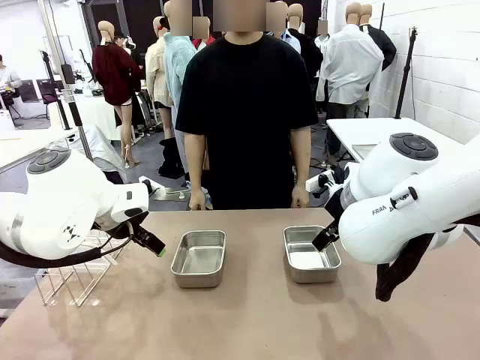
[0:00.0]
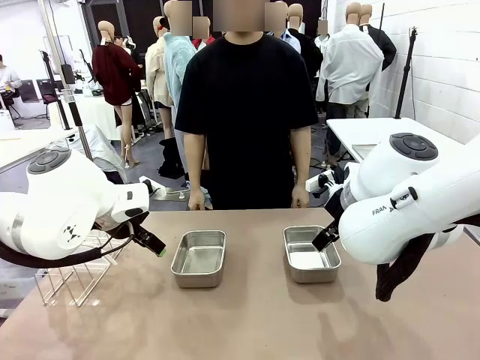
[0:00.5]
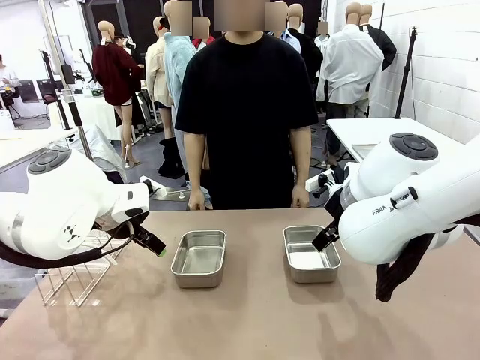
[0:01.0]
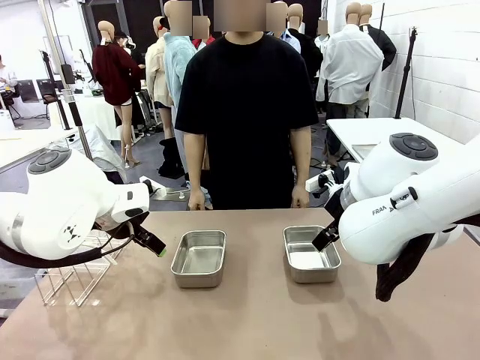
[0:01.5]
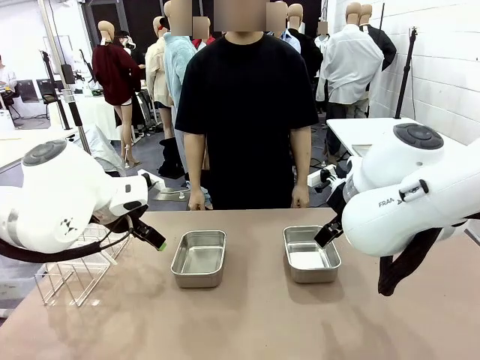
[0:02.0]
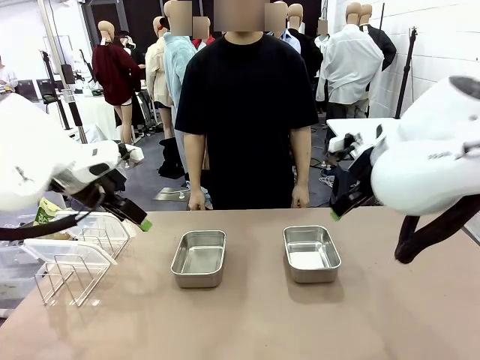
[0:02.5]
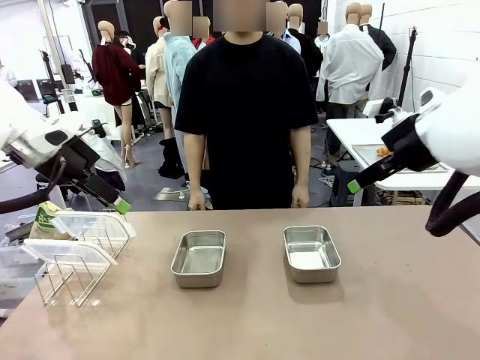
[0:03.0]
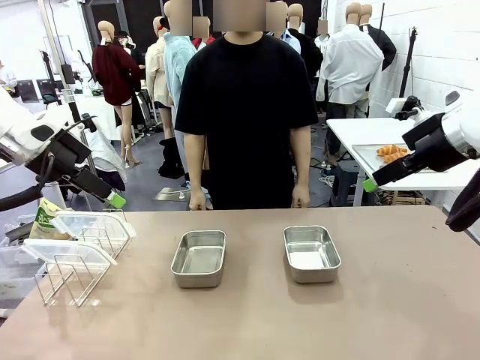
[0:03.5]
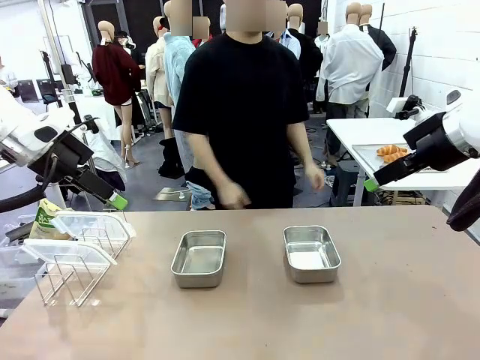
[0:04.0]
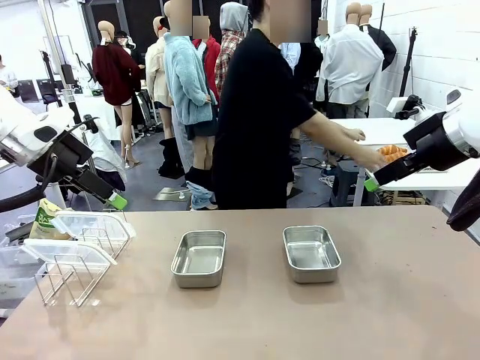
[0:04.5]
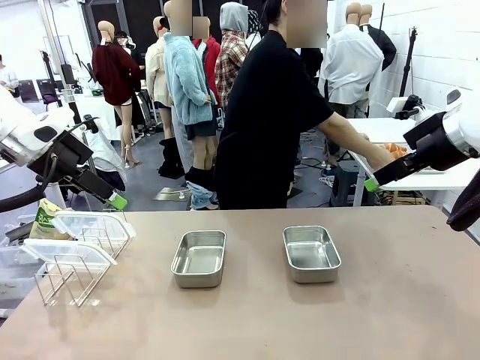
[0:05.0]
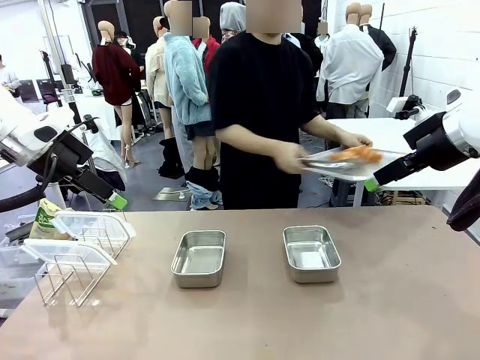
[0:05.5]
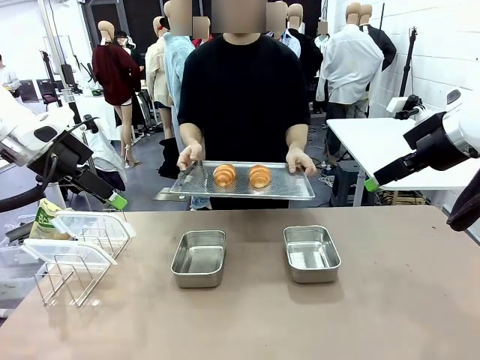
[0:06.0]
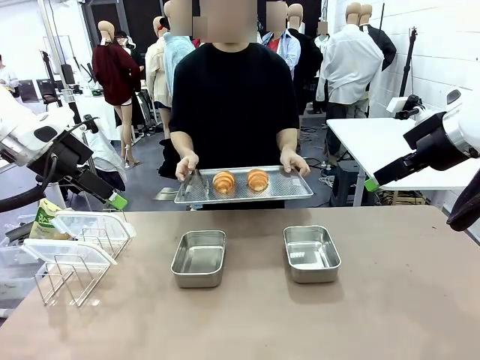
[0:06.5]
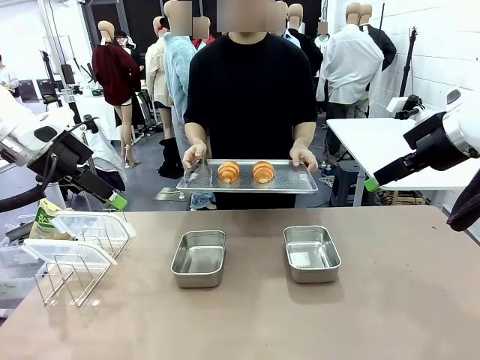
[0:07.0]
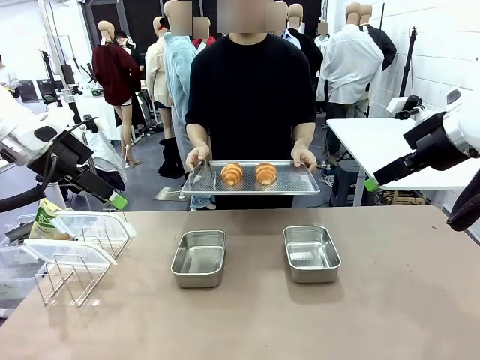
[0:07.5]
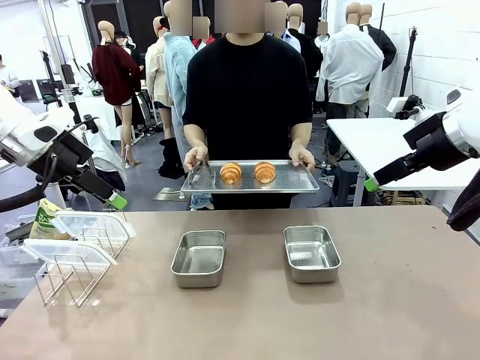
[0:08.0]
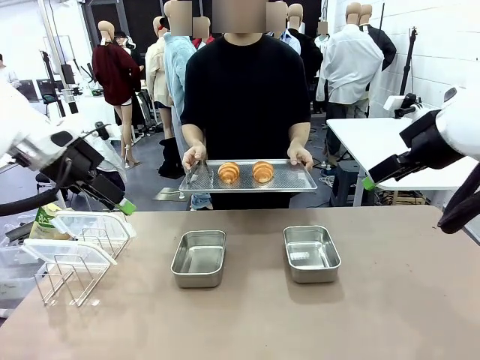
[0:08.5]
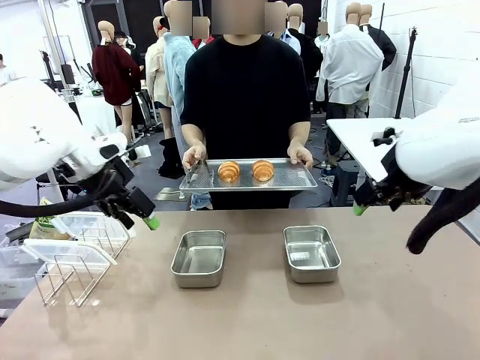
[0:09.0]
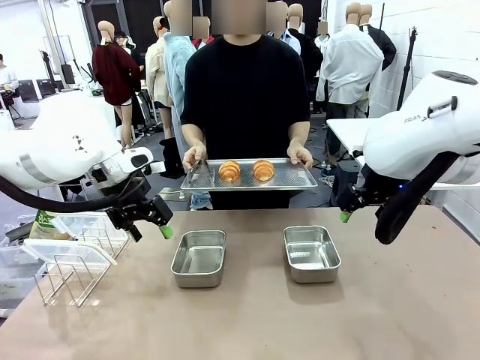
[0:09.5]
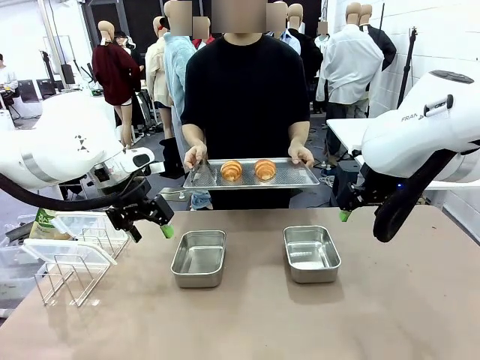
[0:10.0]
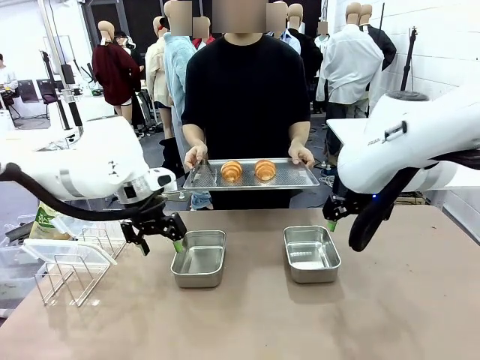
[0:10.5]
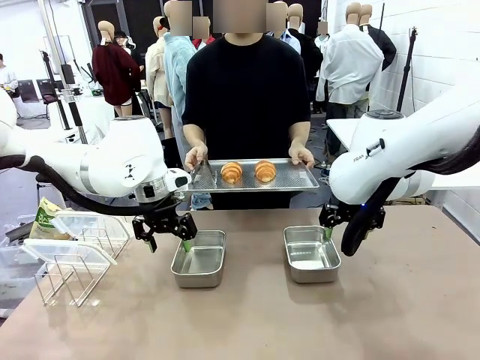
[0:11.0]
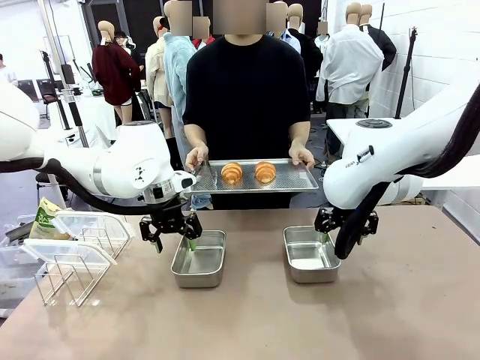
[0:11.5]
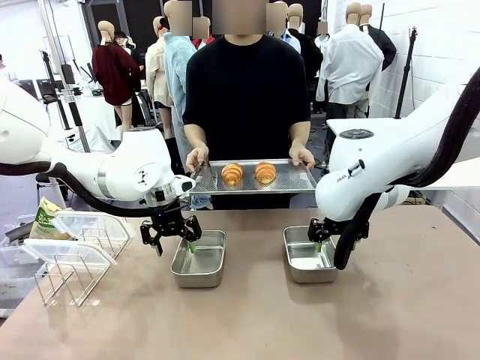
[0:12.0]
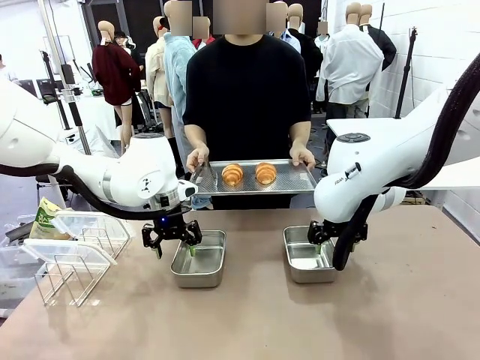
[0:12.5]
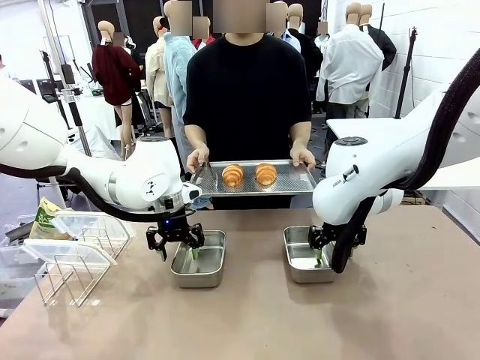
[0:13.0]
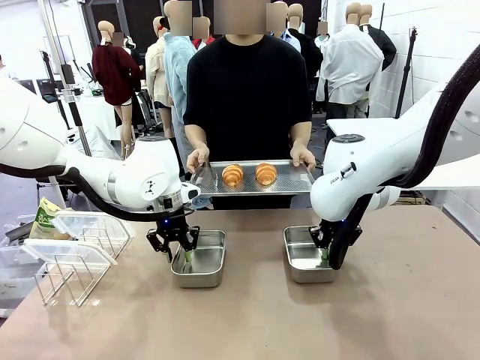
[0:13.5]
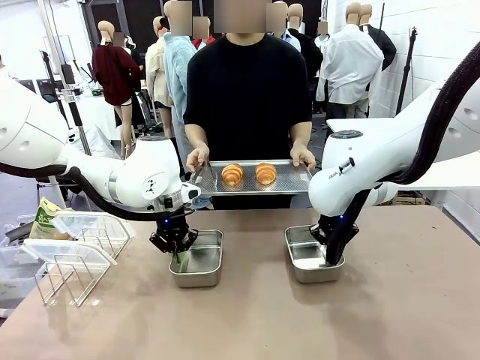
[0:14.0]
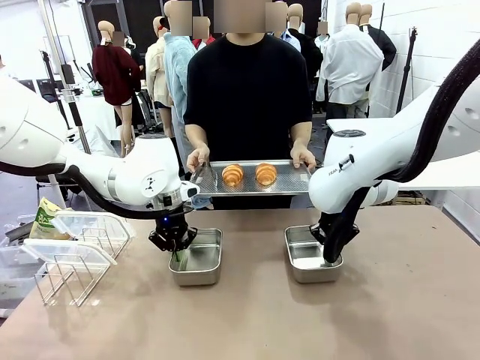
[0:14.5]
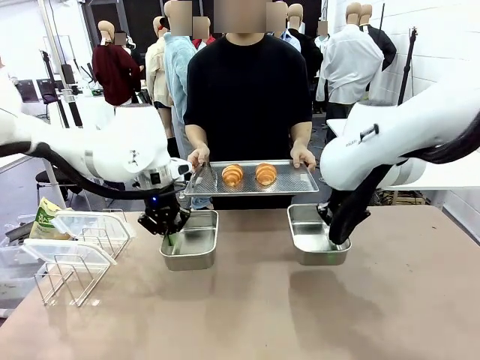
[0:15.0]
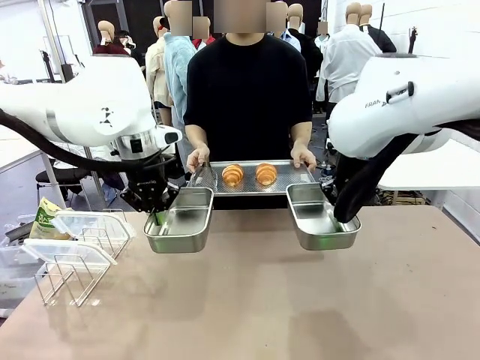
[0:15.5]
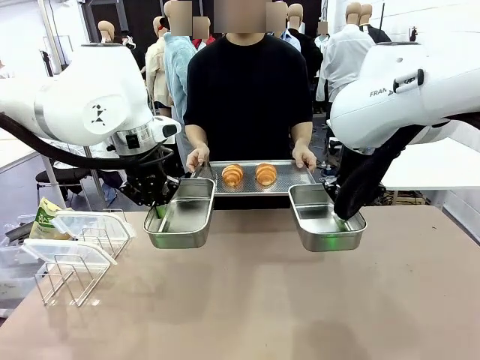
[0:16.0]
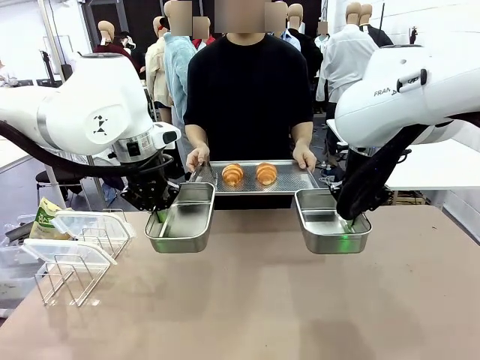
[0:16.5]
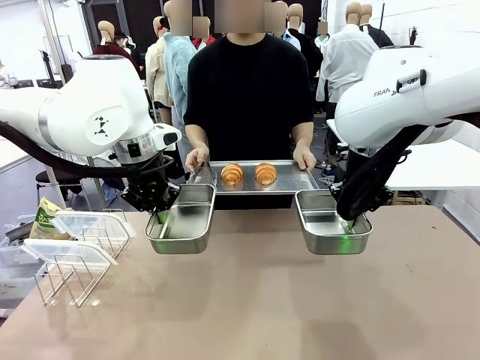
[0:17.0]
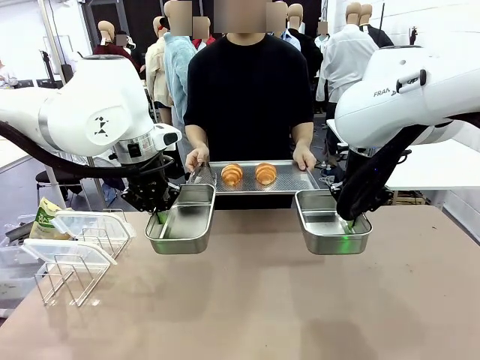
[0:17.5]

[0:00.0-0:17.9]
Task: Place the bread in airtight containers.
Robot: Lift both Airtight Container.
Person: Bring the Baking Sheet in front of Robot's Table.

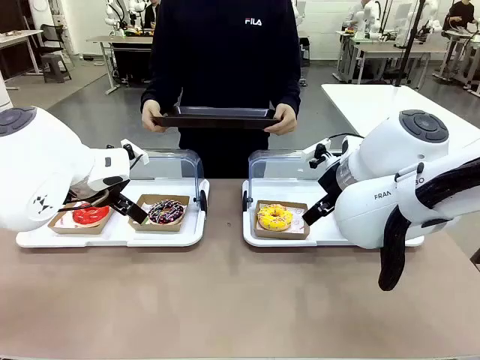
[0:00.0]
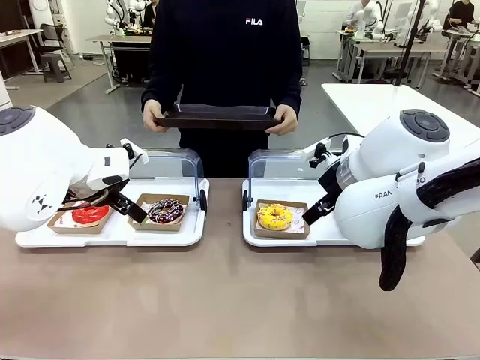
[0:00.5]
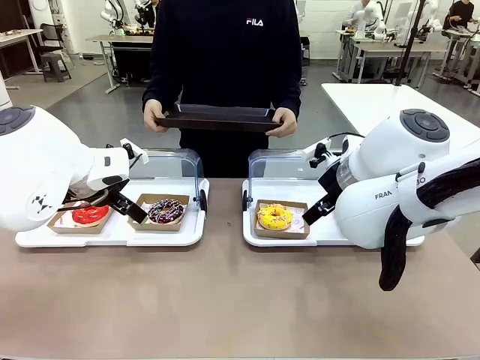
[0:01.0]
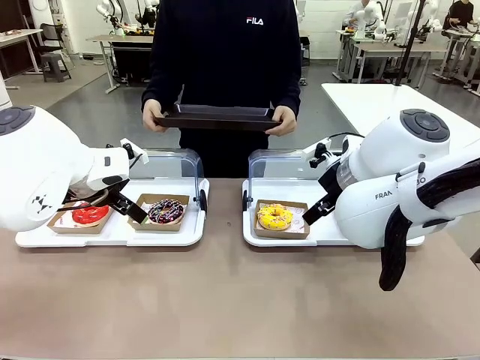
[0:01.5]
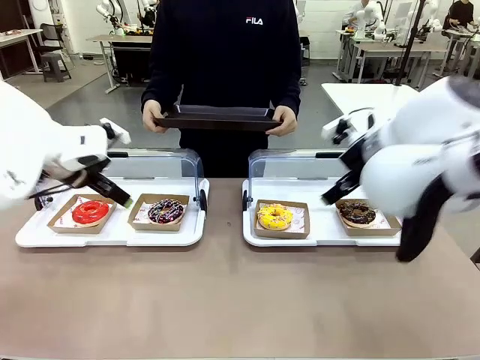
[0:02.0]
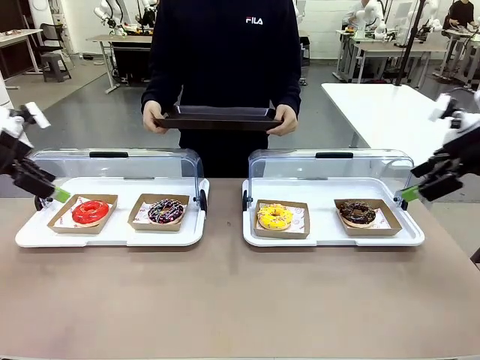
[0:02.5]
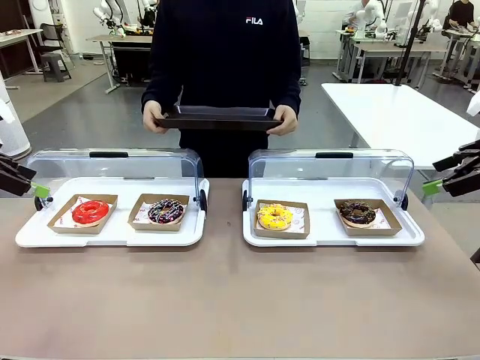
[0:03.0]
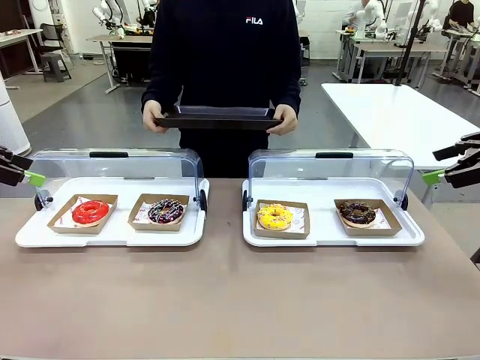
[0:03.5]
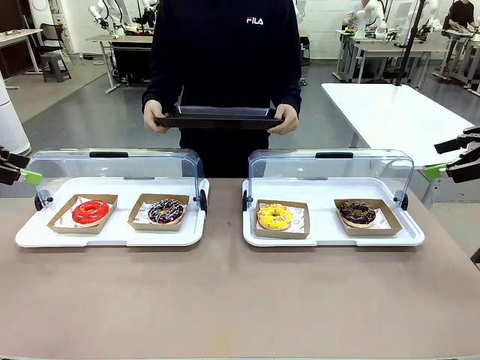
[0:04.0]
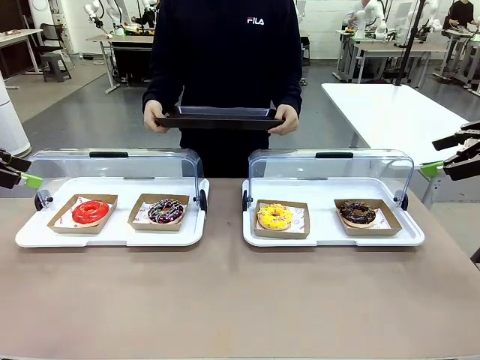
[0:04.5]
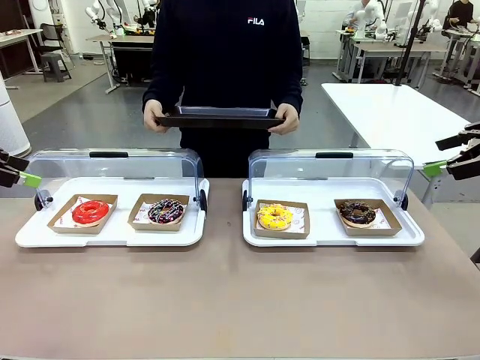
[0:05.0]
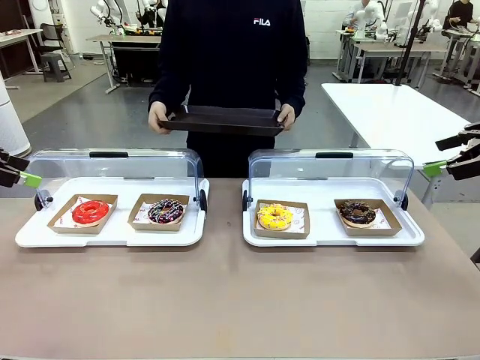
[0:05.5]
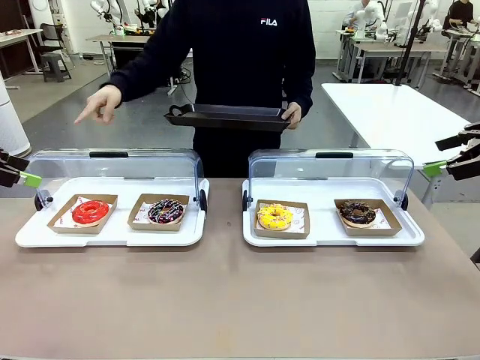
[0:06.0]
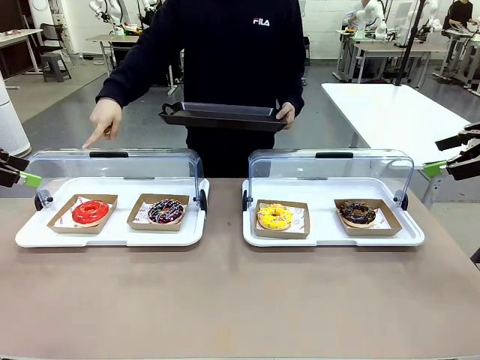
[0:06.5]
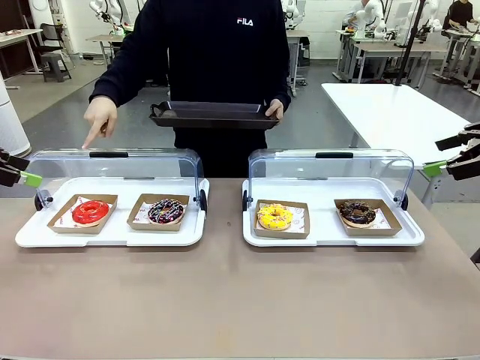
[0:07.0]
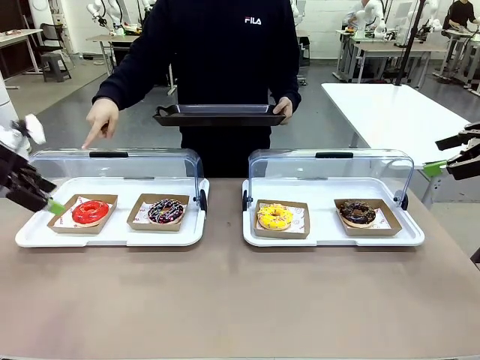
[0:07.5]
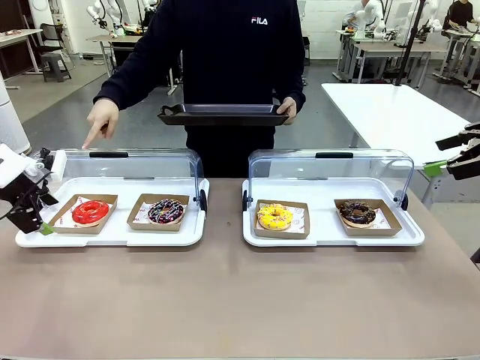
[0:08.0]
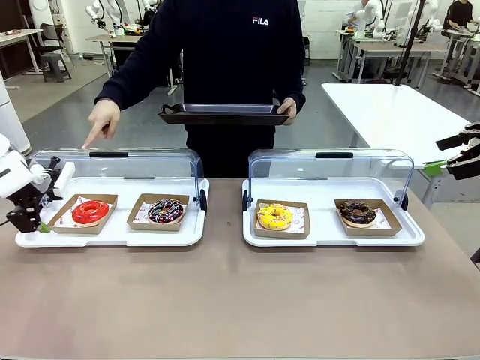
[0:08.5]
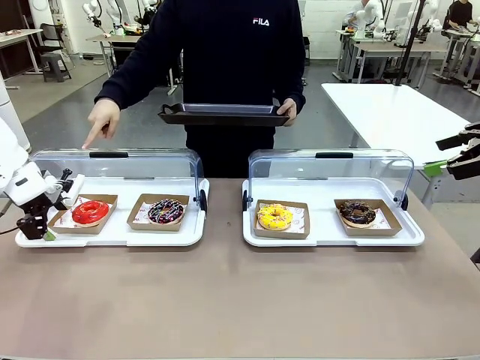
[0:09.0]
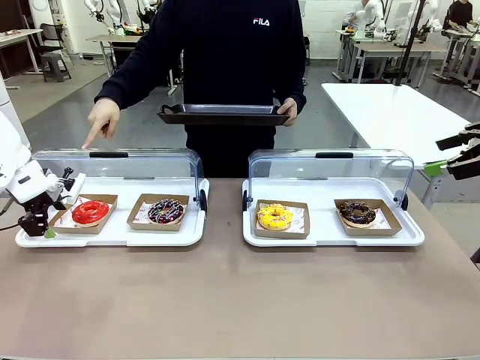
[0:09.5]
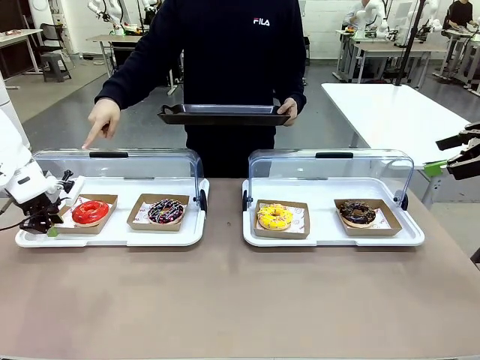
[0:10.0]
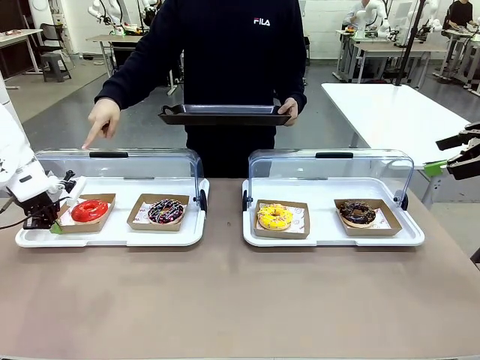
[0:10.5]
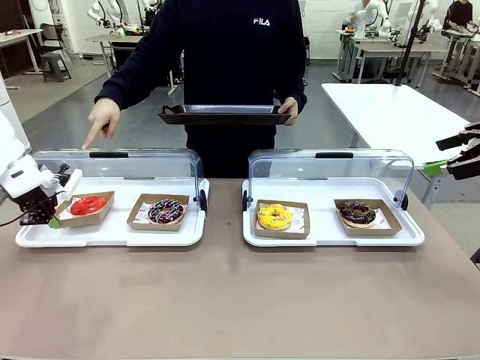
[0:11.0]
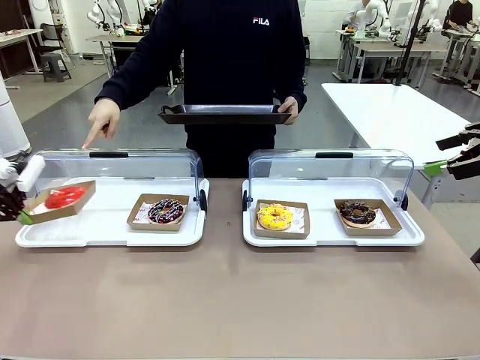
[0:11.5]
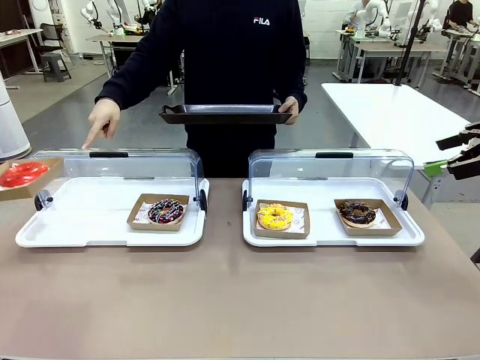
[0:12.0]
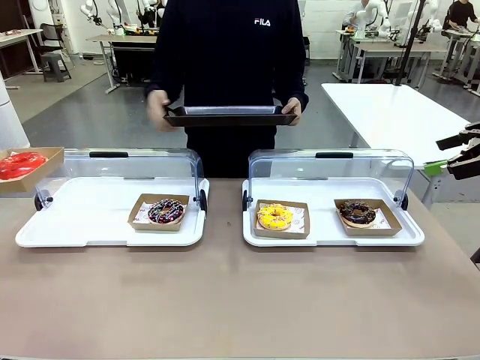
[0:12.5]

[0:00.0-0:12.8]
Task: Provide the desired donut to the person.
Robot: Pick up and lift the Paper togo box containing the Donut pointed at by the person.
Person: Point to one donut. Lift the tray onto the Roll-Top Bakery Case.
